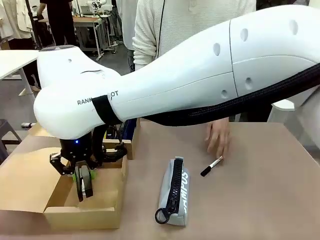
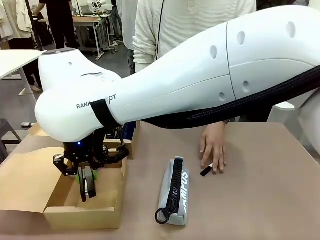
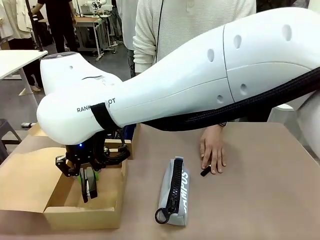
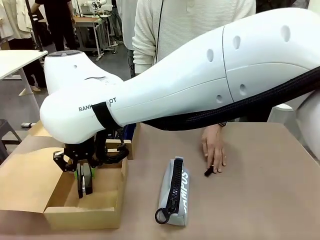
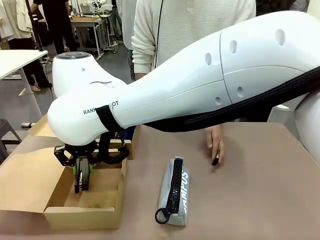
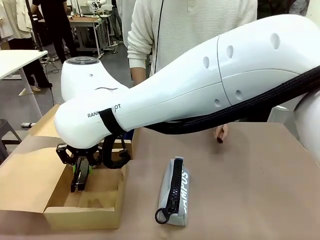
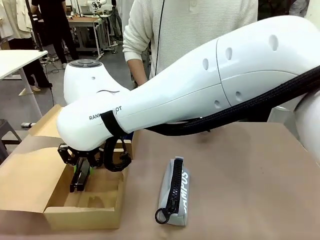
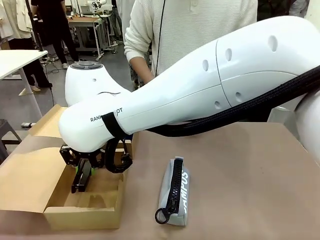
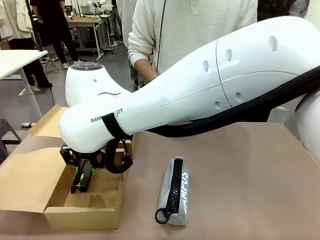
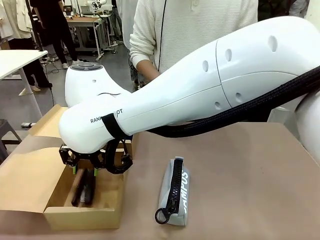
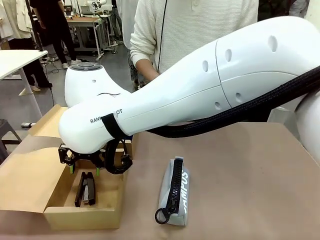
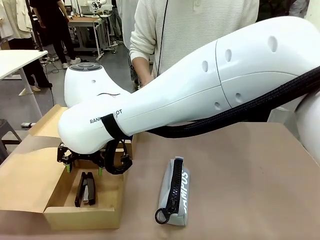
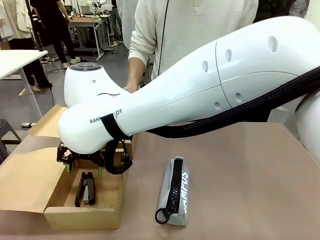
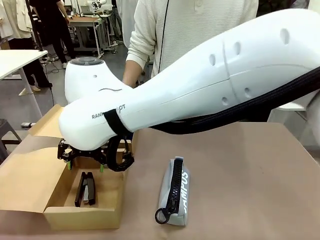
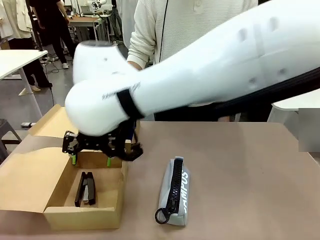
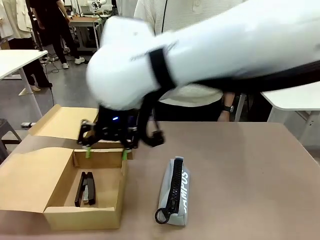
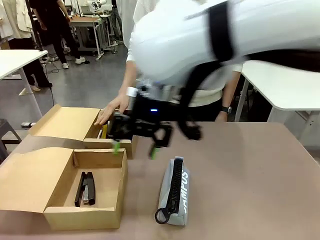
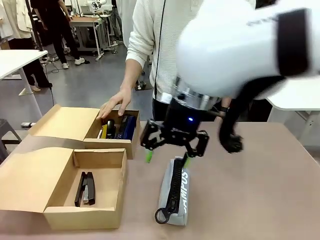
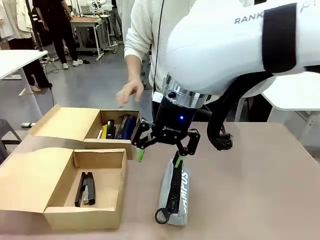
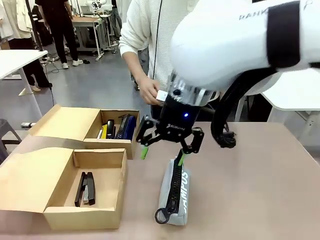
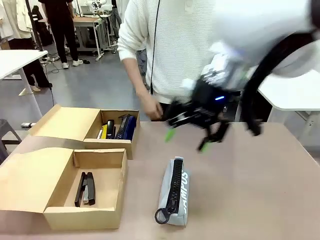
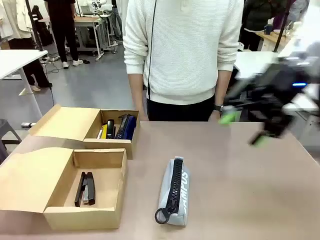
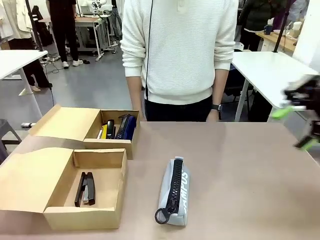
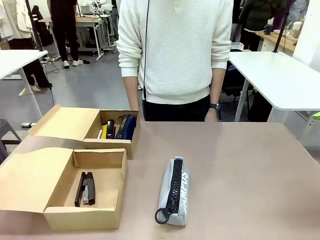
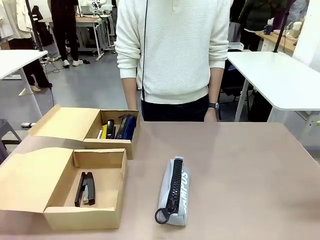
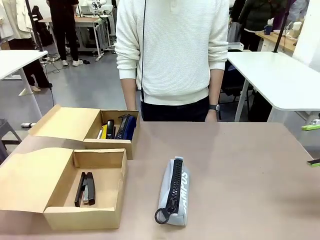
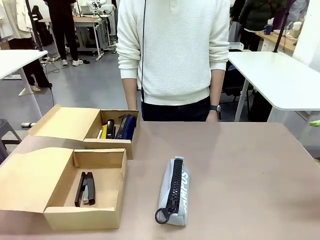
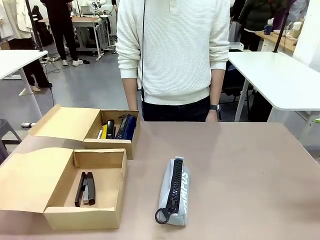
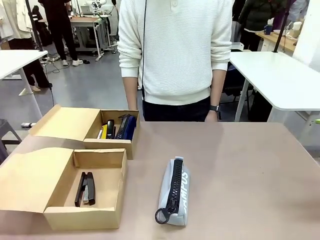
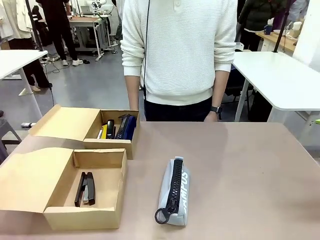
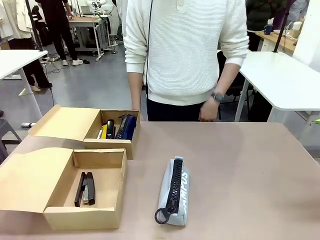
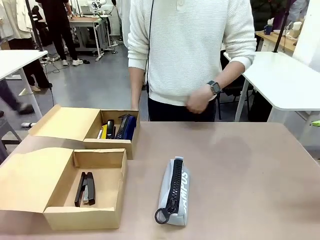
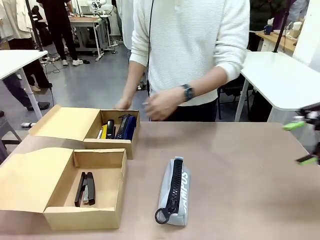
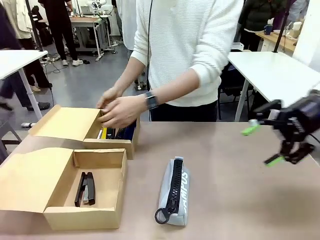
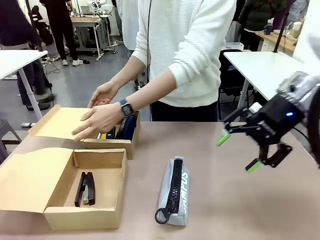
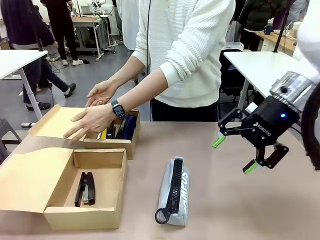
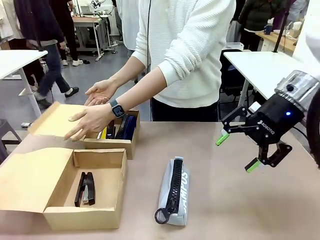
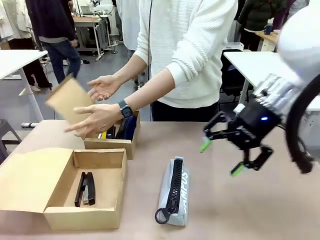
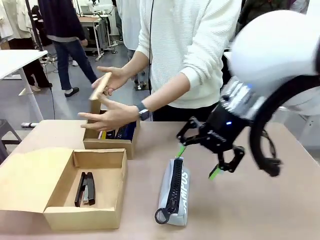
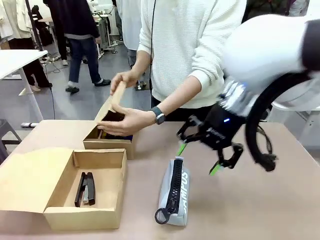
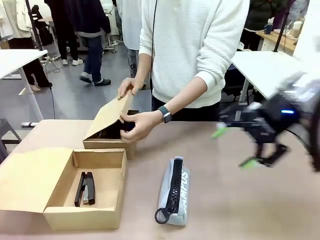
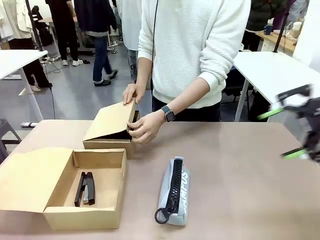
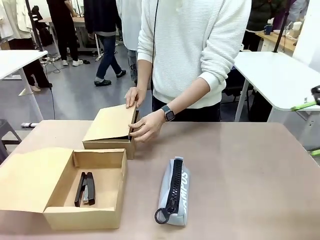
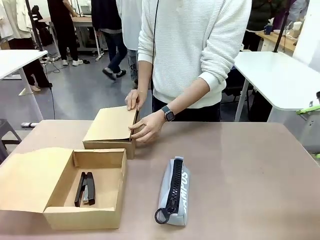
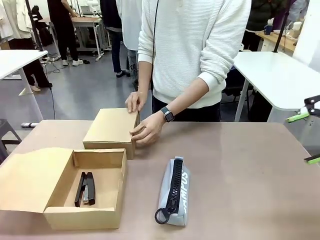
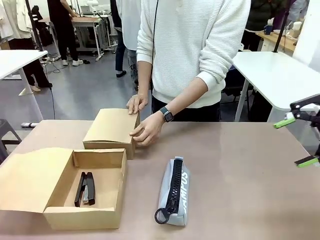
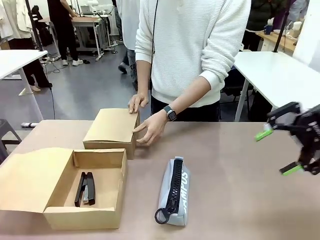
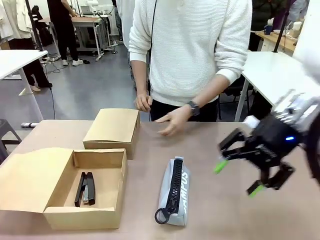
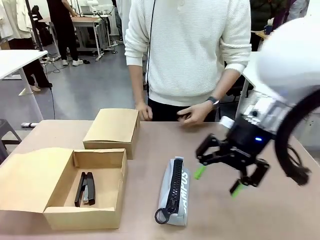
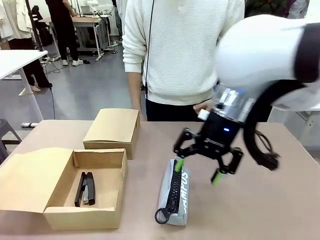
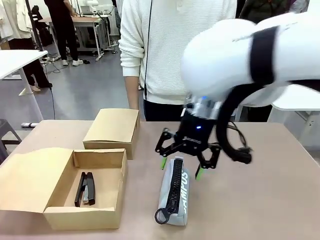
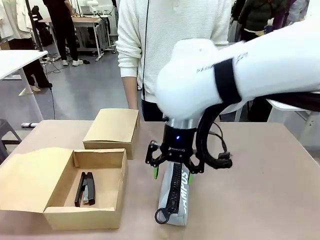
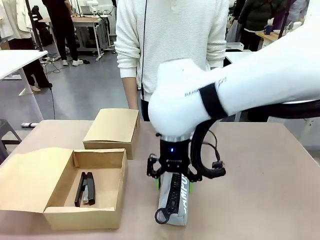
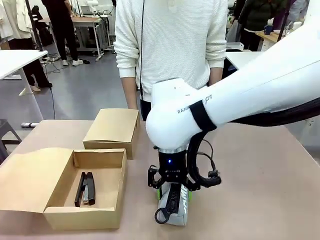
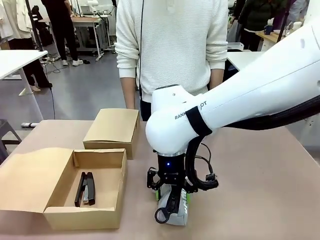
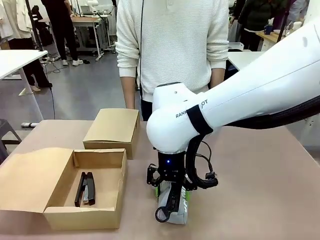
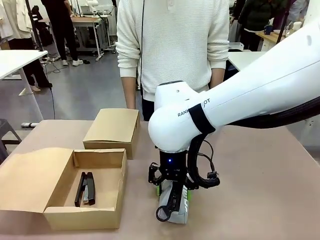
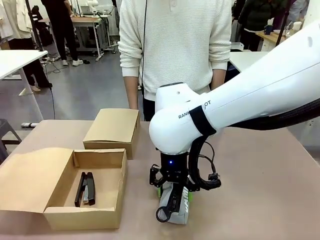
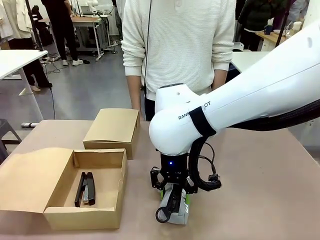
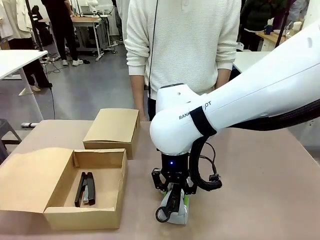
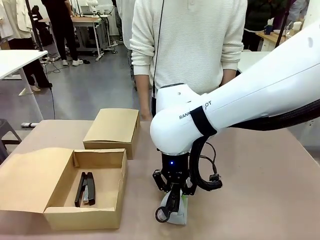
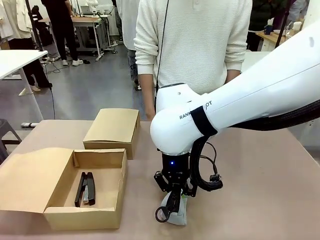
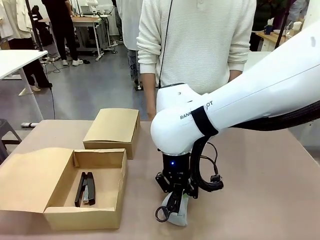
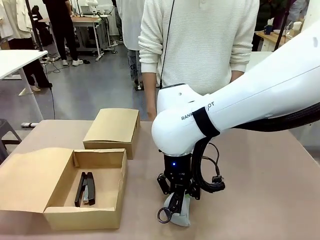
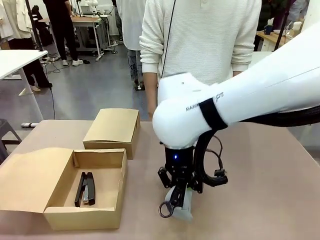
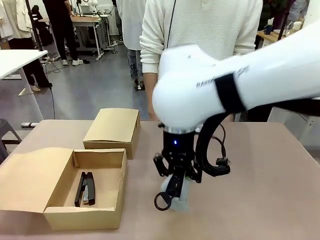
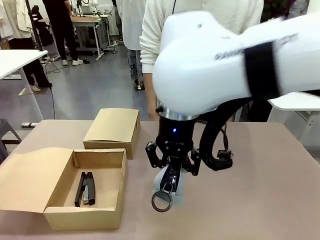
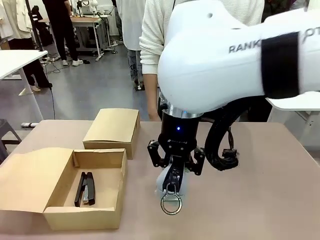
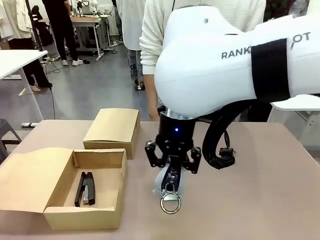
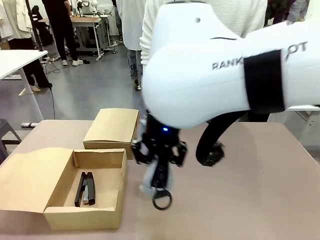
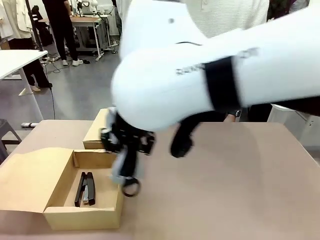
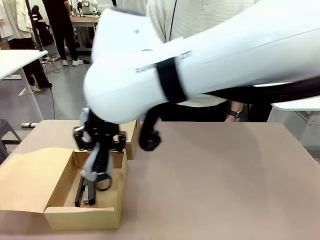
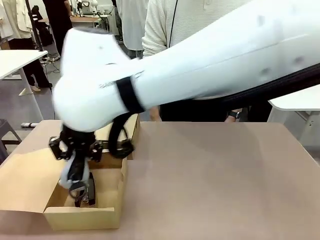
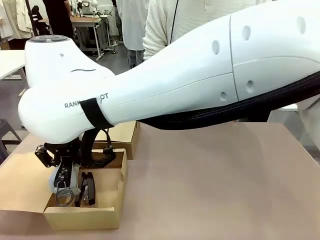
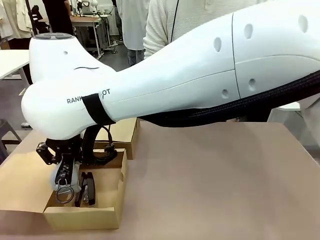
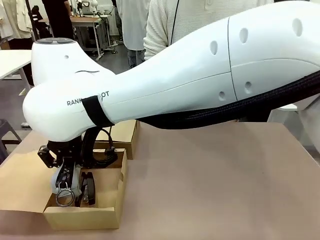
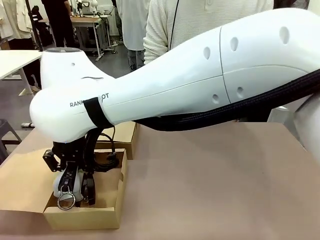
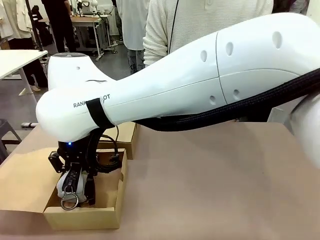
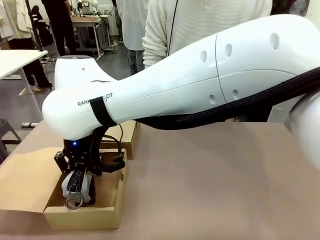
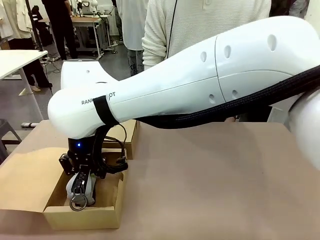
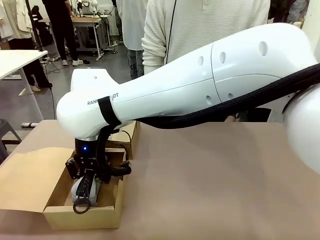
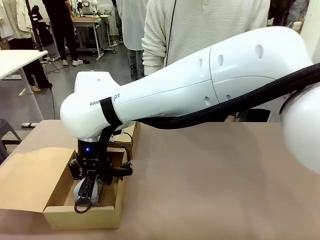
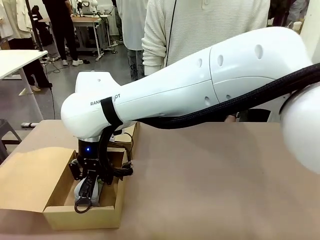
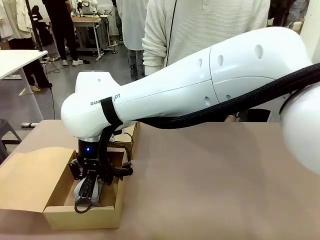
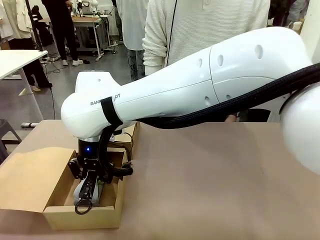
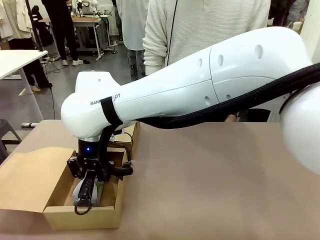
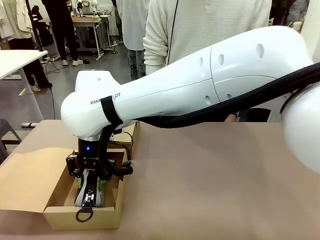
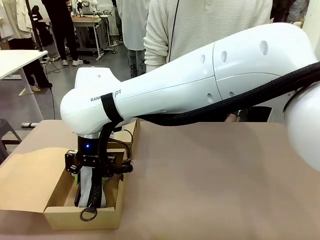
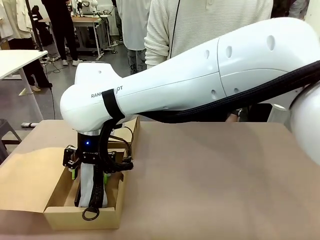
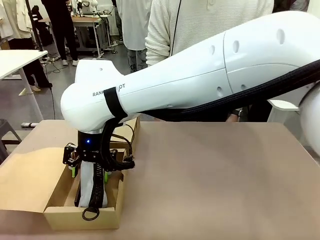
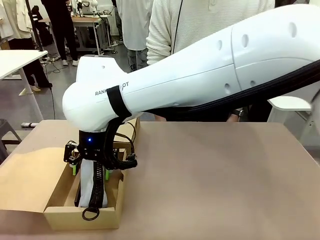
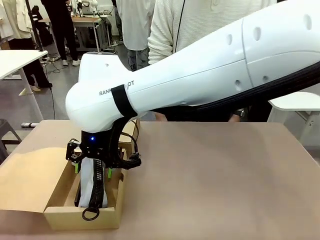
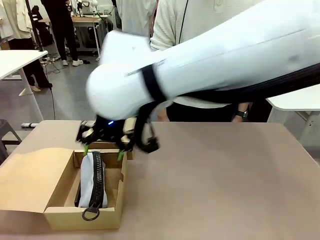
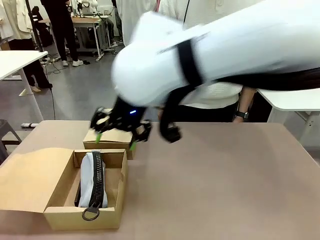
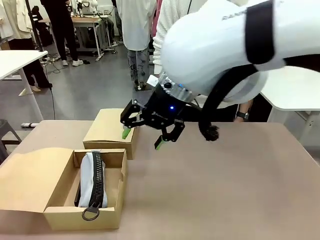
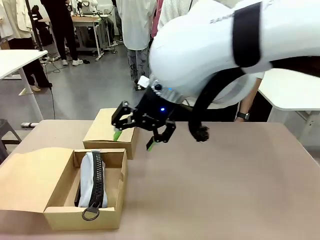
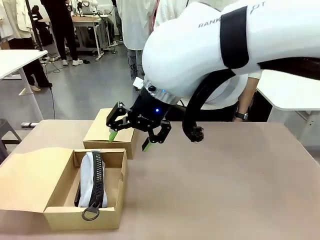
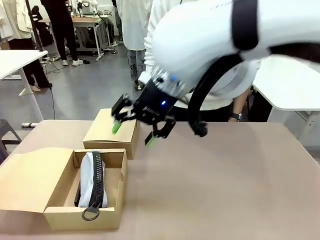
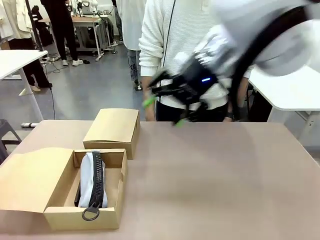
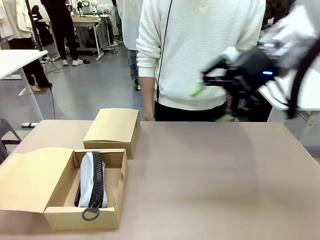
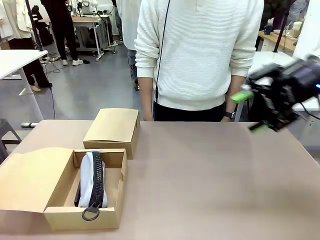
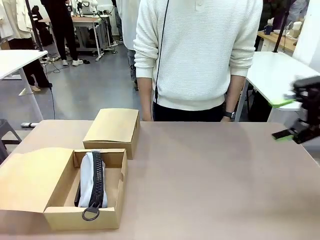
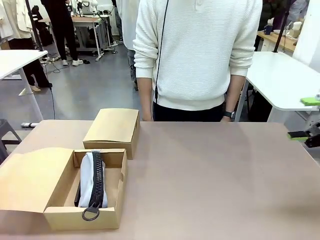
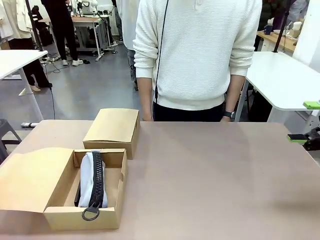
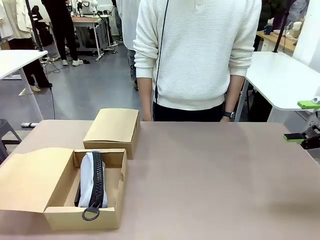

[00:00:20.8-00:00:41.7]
Task: Place items inside the box.
Robot: Pick up a Pencil pouch or Stapler and place it inside the Mailer Box closest to the robot.
Person: Close the lid of the box facing the person.
